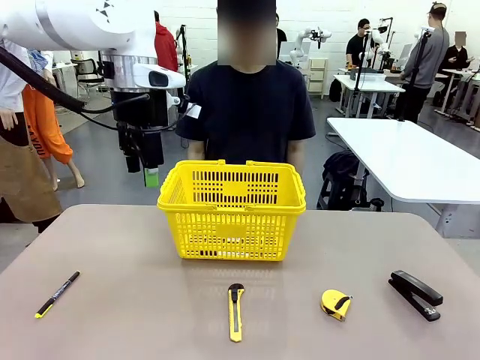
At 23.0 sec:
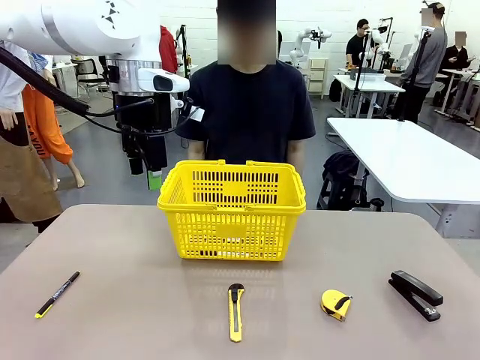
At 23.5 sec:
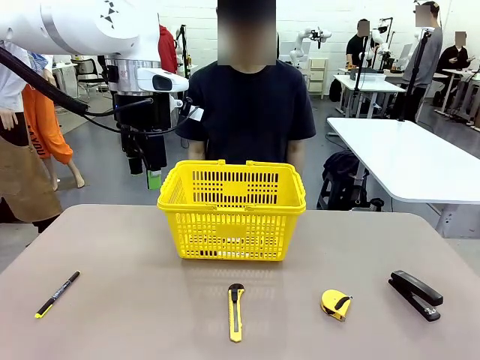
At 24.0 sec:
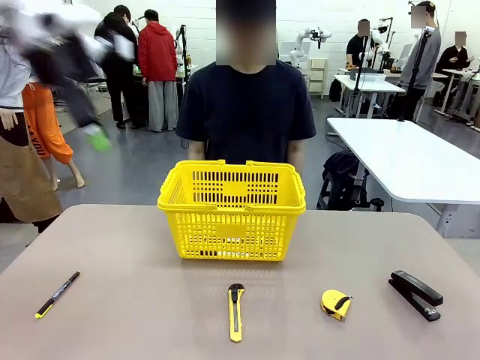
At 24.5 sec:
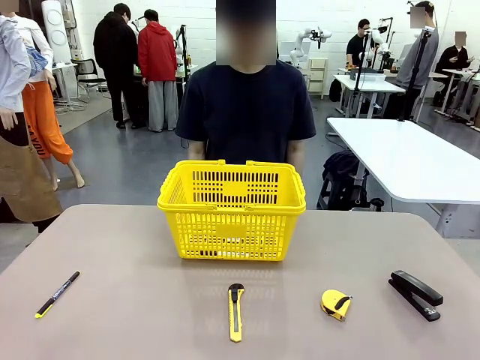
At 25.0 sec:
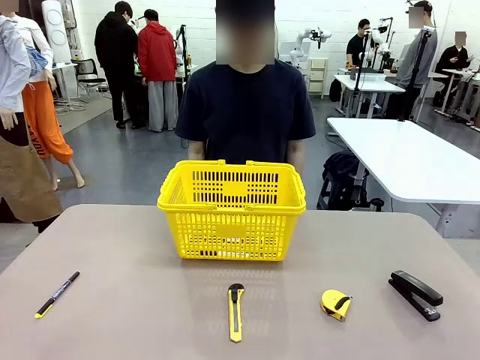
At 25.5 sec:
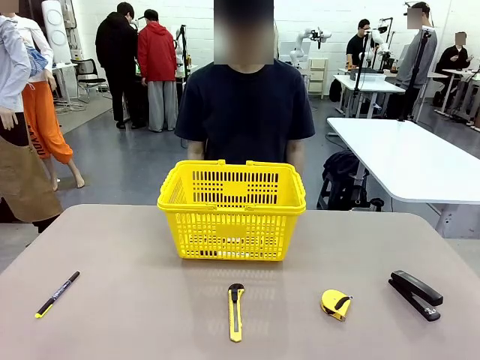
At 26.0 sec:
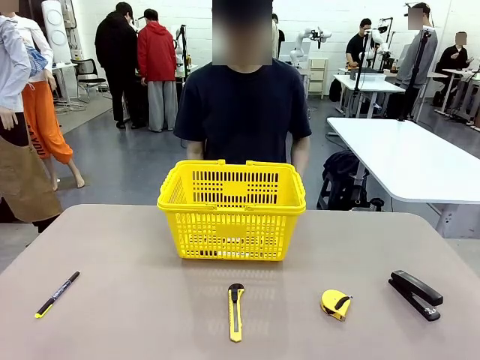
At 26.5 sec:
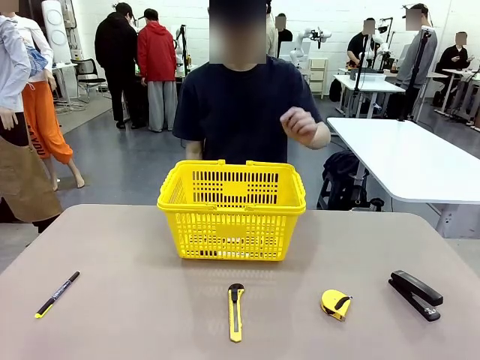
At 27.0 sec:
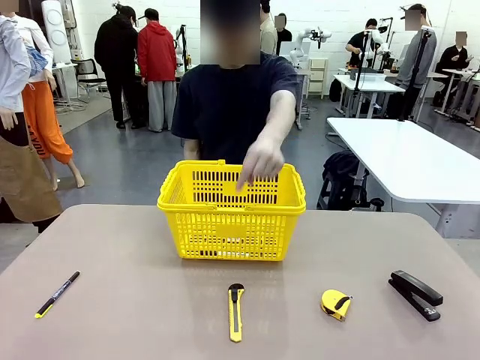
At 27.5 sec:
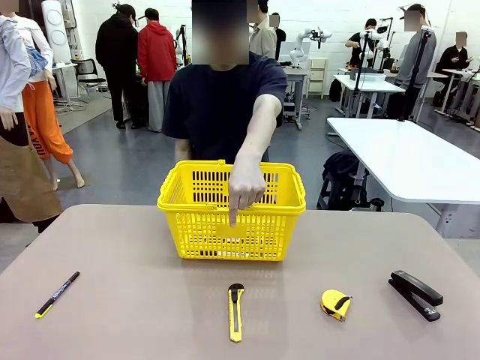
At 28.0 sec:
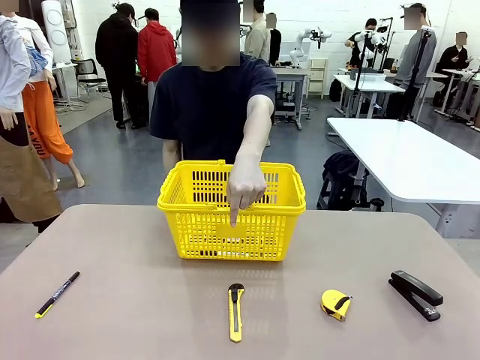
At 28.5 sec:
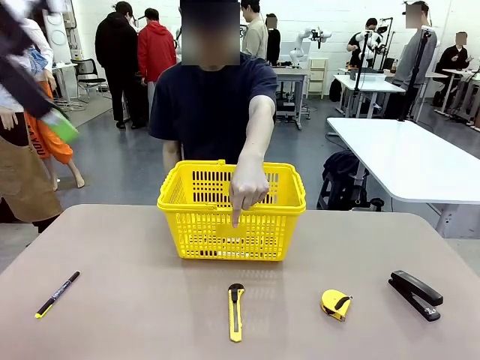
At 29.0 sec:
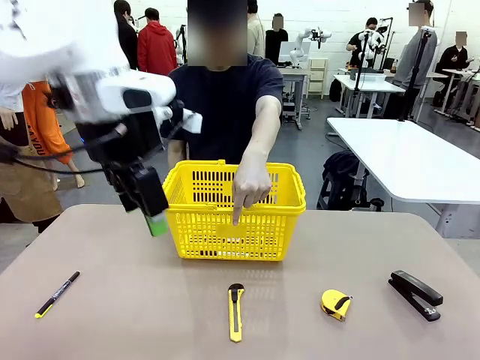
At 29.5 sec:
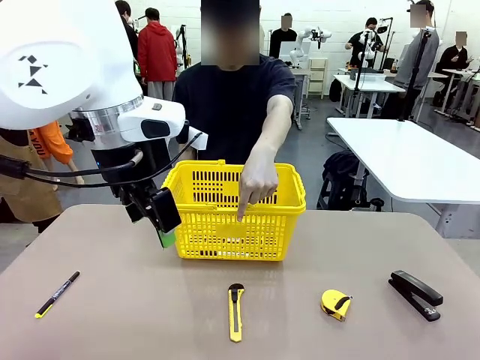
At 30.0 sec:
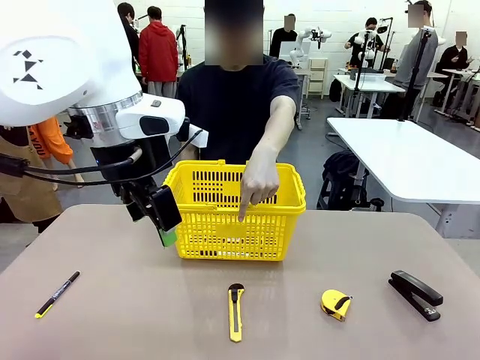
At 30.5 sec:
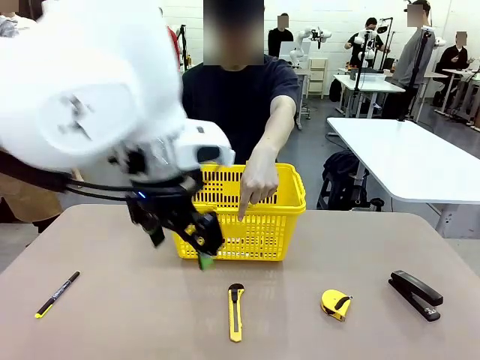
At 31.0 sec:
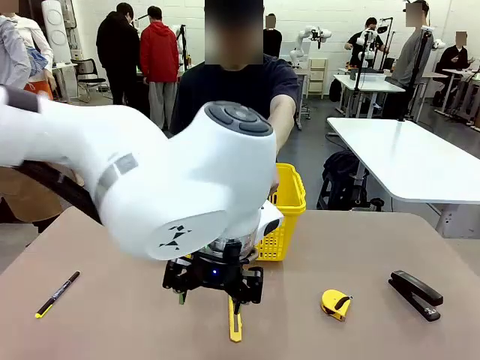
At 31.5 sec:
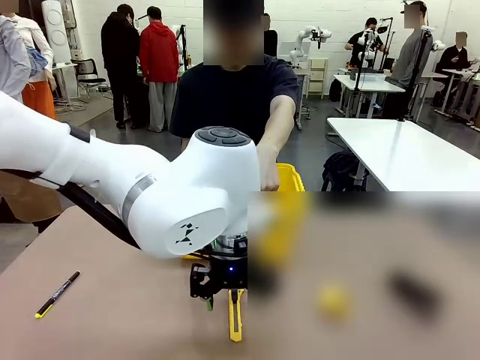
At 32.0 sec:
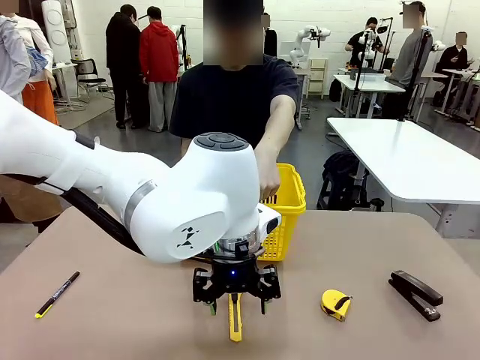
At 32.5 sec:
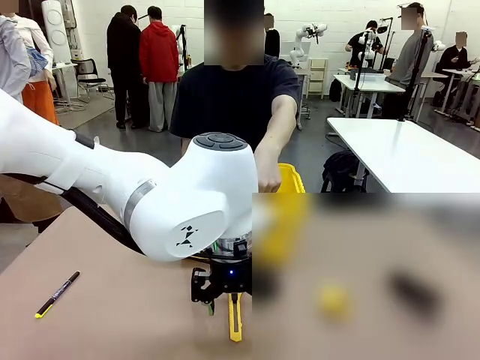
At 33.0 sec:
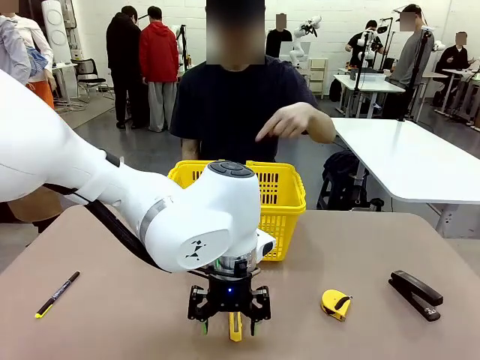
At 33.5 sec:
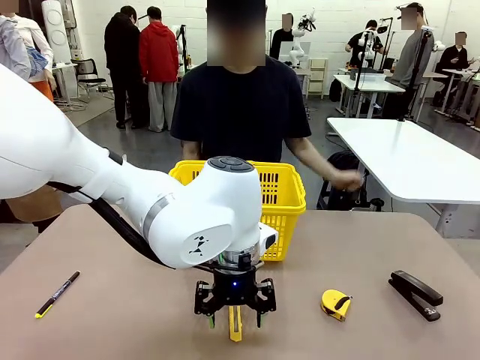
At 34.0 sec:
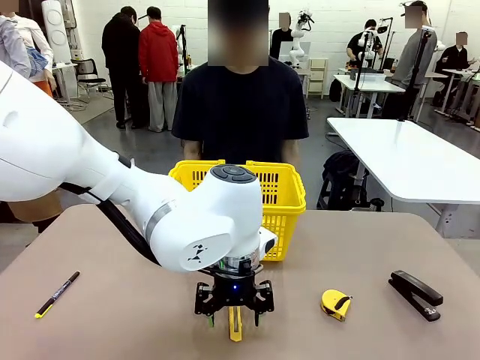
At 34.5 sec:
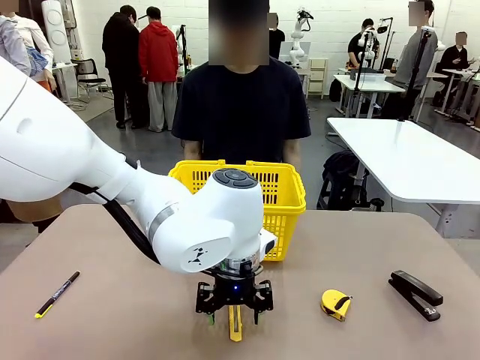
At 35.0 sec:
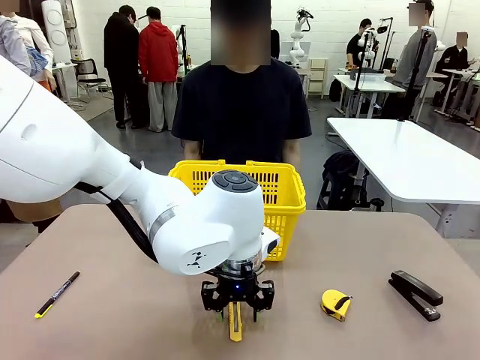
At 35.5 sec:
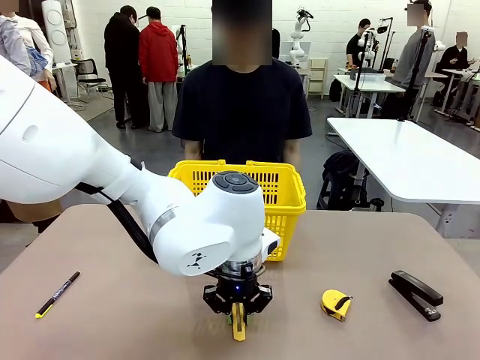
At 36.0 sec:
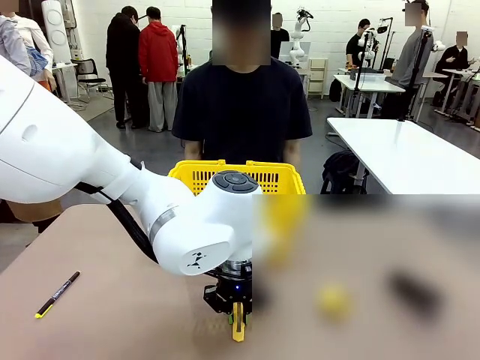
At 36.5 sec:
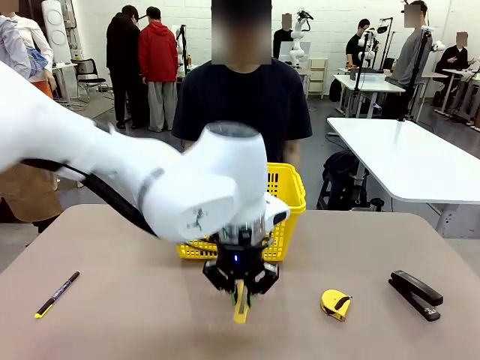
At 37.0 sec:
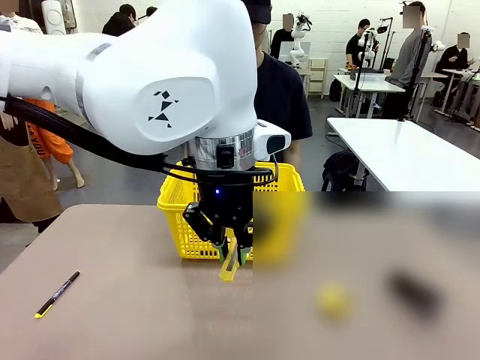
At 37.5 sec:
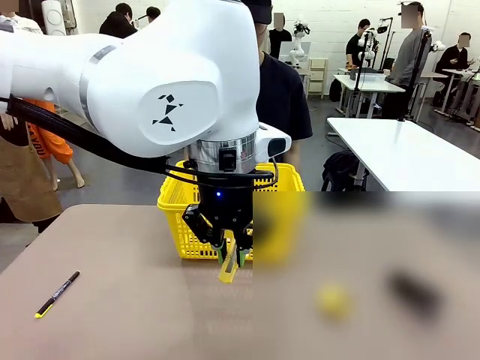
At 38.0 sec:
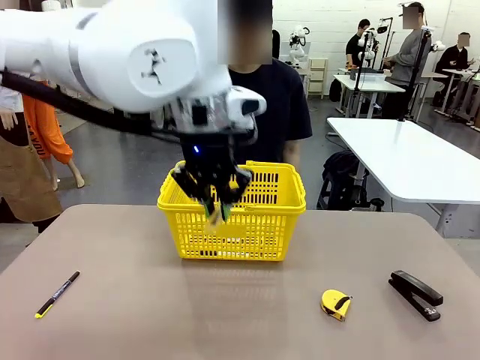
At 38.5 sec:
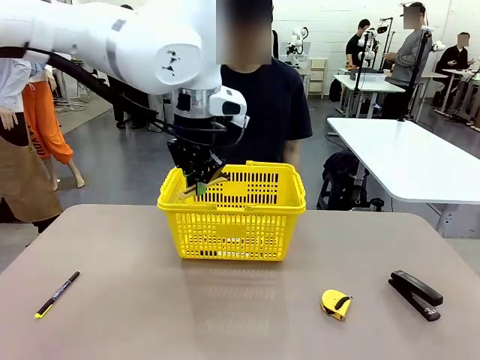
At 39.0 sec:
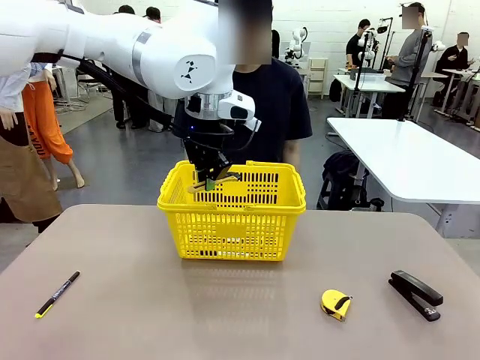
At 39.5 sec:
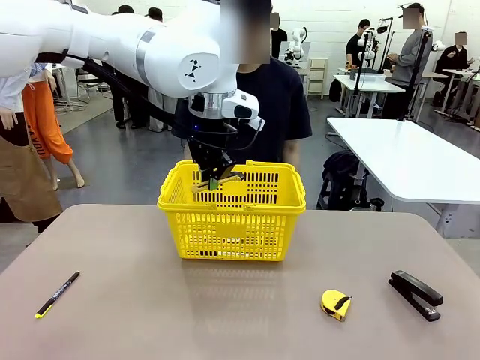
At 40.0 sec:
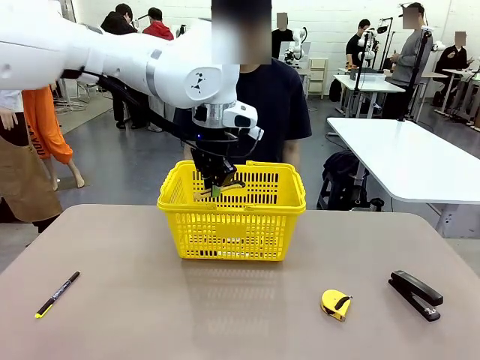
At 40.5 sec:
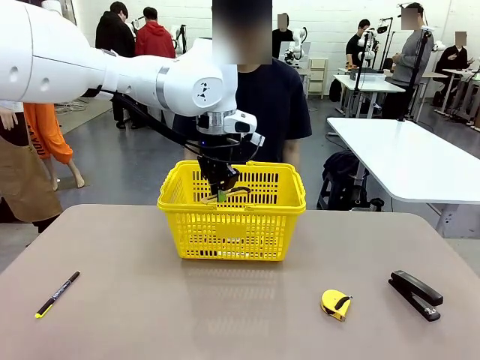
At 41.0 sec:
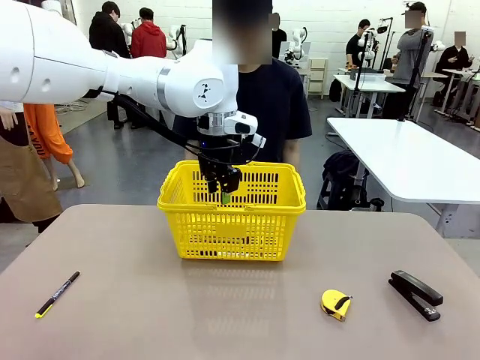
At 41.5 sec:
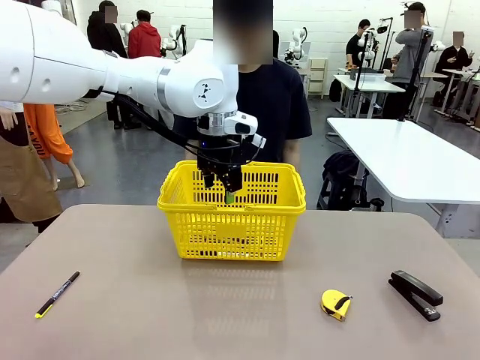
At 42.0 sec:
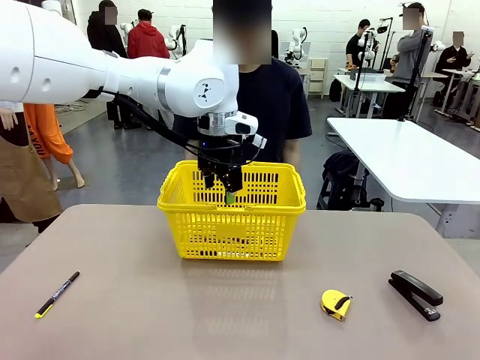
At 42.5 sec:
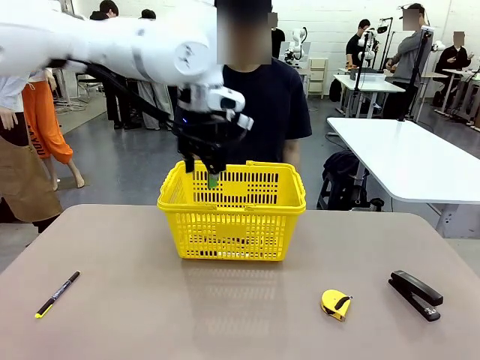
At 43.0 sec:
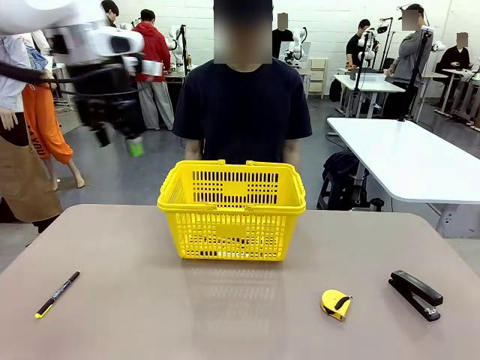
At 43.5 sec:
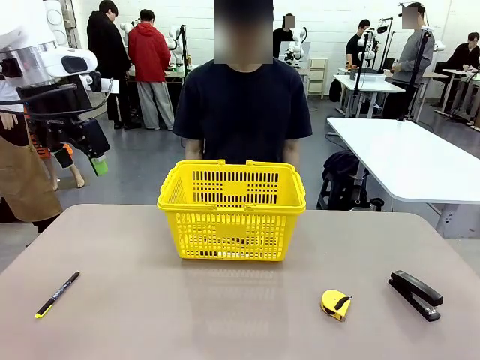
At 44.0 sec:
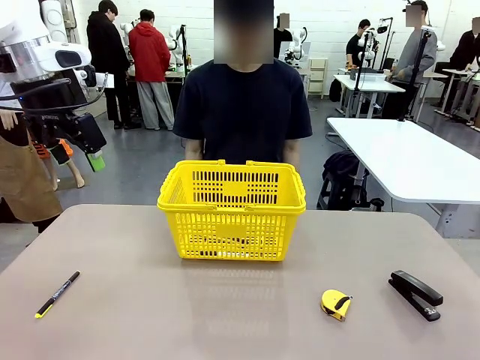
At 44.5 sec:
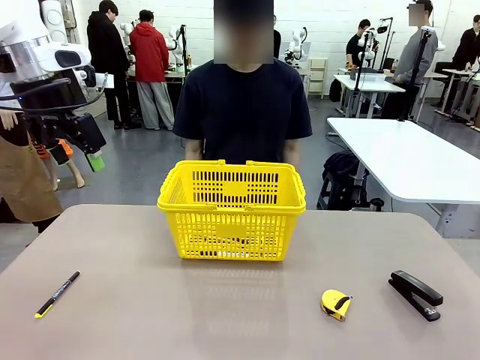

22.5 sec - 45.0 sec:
Task: Place the items the person wants into the basket.
Robot: Pick up the item the person points to and place it in the Market Basket.
